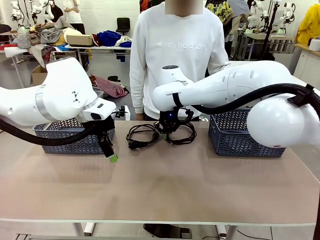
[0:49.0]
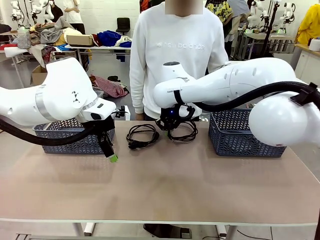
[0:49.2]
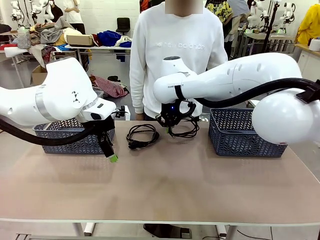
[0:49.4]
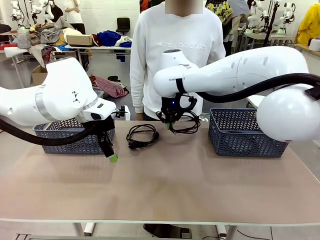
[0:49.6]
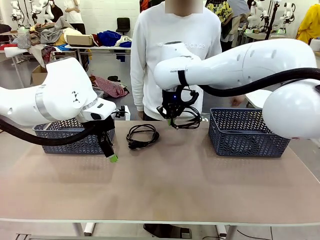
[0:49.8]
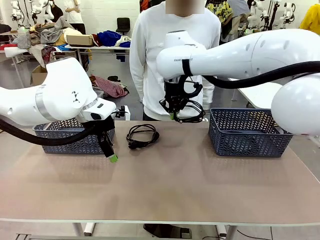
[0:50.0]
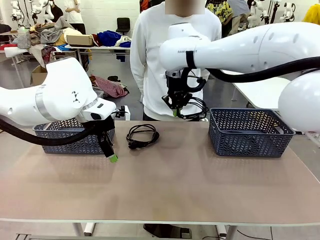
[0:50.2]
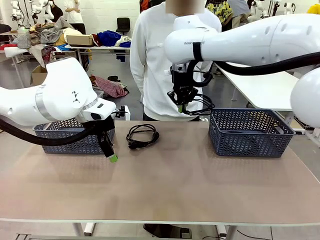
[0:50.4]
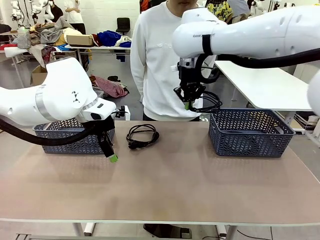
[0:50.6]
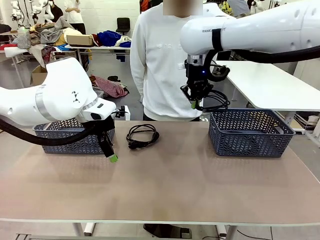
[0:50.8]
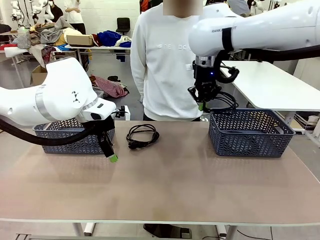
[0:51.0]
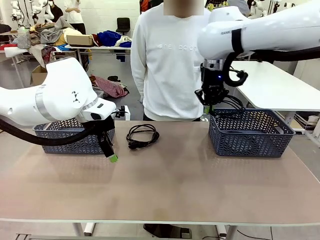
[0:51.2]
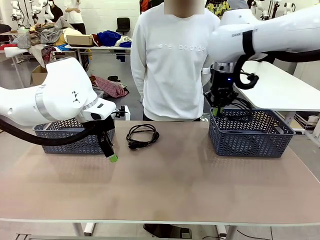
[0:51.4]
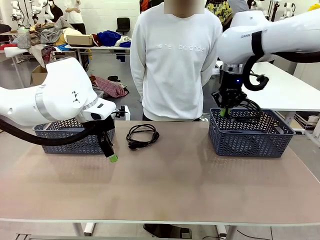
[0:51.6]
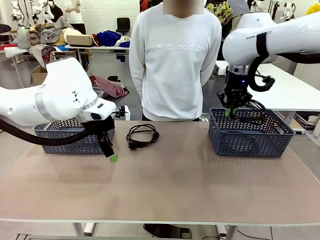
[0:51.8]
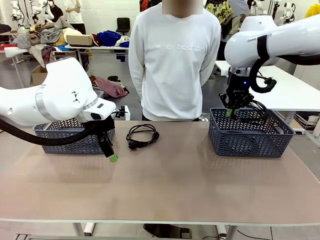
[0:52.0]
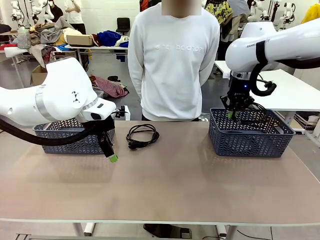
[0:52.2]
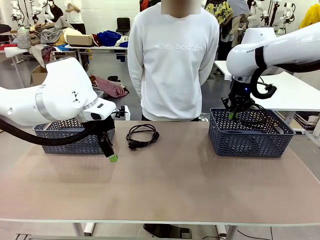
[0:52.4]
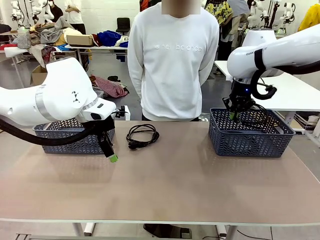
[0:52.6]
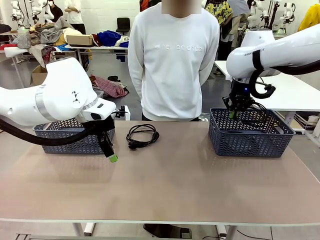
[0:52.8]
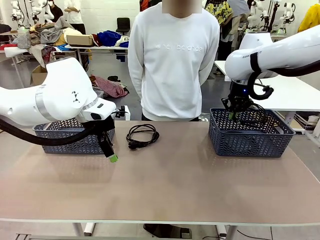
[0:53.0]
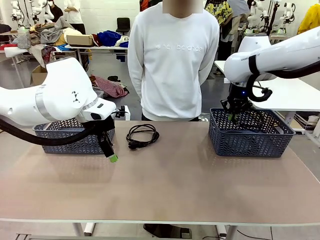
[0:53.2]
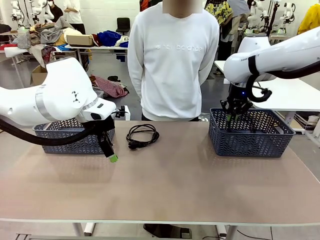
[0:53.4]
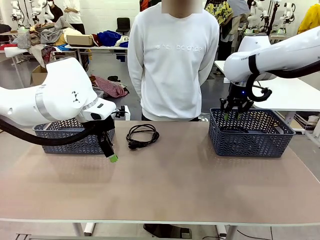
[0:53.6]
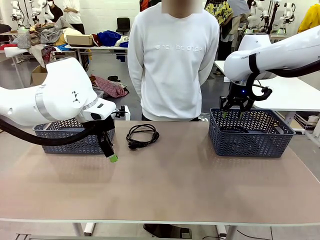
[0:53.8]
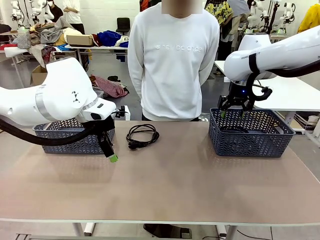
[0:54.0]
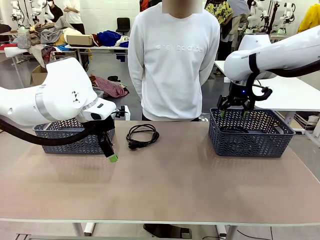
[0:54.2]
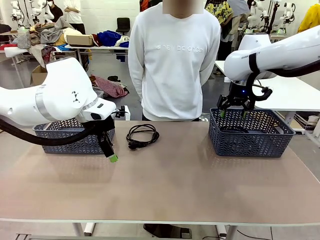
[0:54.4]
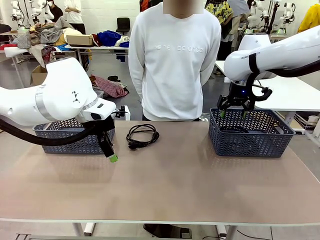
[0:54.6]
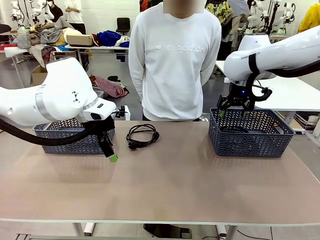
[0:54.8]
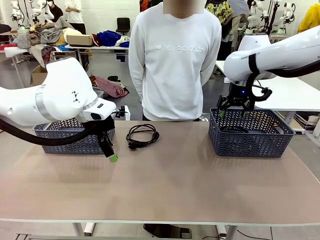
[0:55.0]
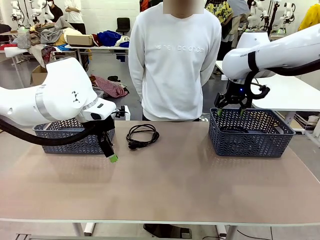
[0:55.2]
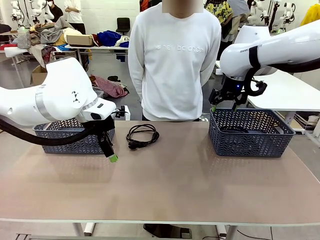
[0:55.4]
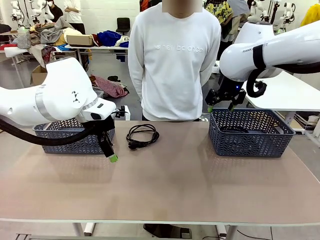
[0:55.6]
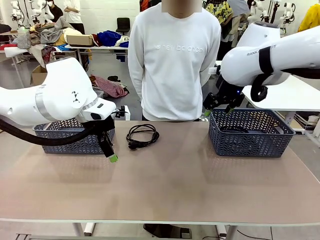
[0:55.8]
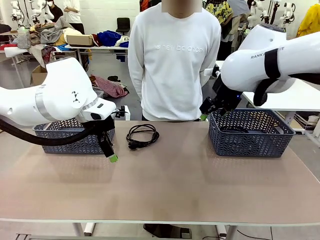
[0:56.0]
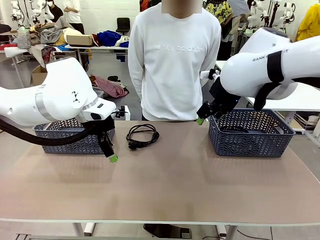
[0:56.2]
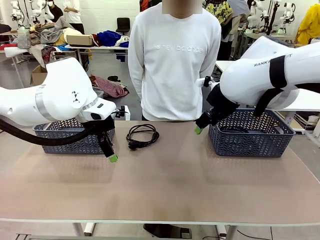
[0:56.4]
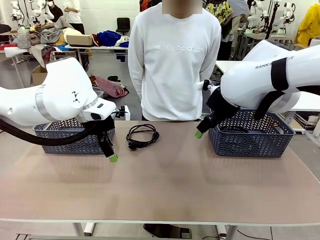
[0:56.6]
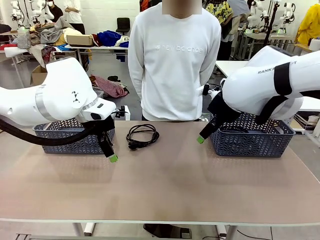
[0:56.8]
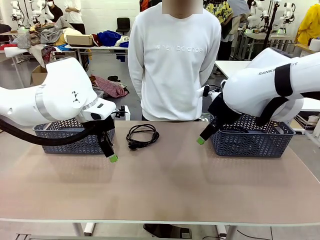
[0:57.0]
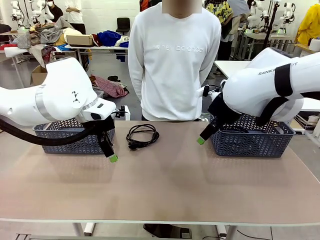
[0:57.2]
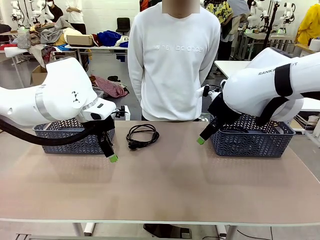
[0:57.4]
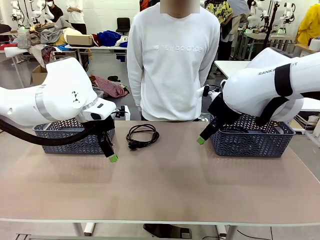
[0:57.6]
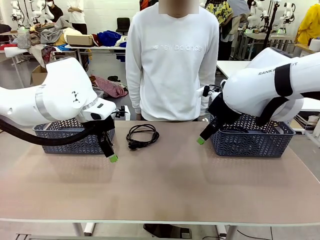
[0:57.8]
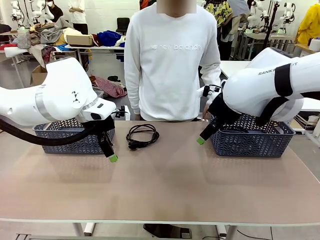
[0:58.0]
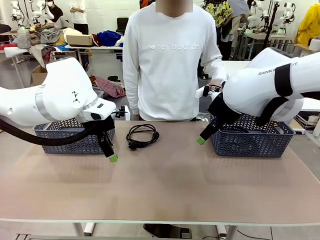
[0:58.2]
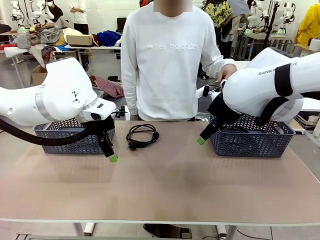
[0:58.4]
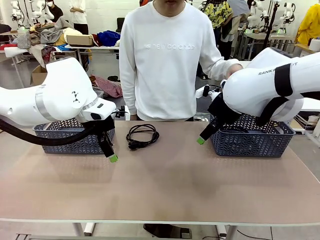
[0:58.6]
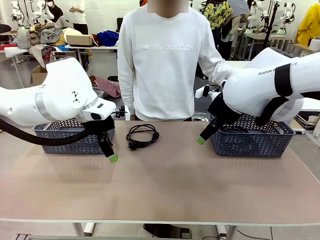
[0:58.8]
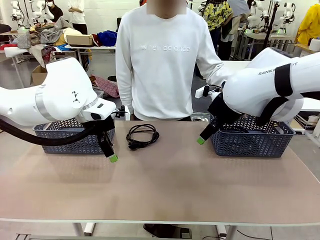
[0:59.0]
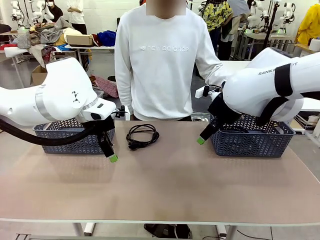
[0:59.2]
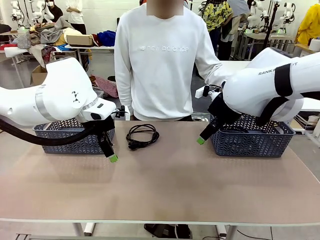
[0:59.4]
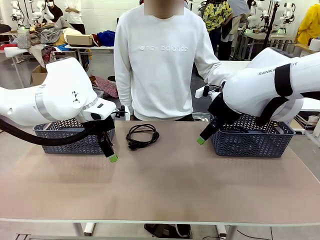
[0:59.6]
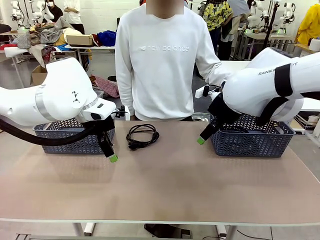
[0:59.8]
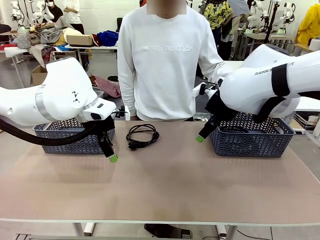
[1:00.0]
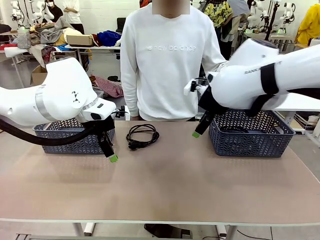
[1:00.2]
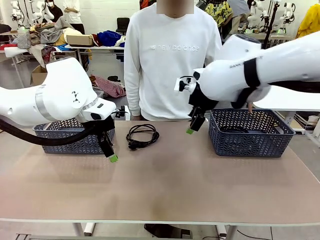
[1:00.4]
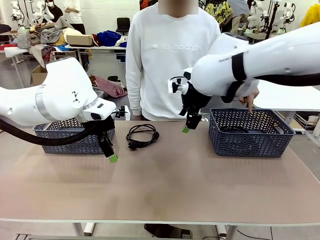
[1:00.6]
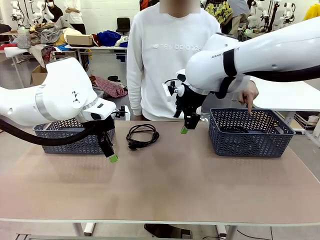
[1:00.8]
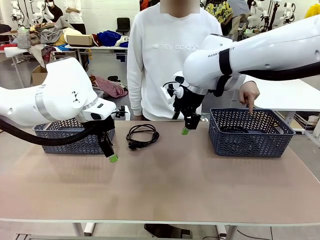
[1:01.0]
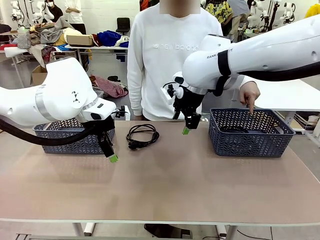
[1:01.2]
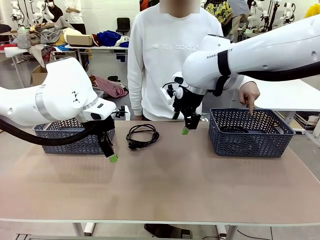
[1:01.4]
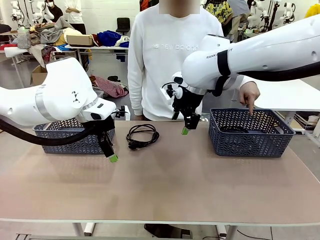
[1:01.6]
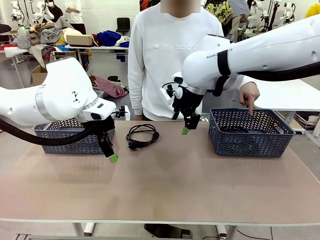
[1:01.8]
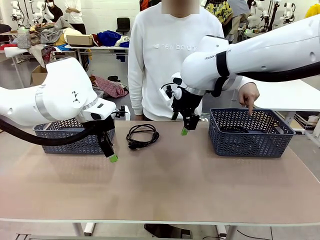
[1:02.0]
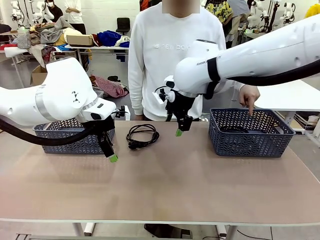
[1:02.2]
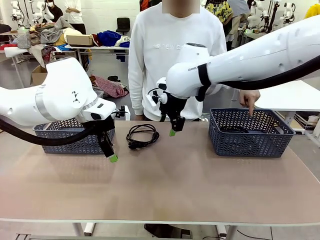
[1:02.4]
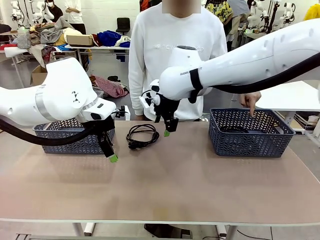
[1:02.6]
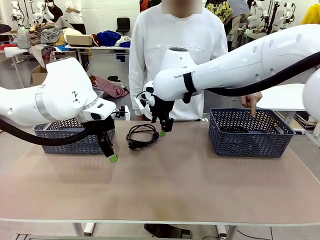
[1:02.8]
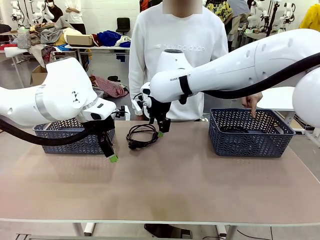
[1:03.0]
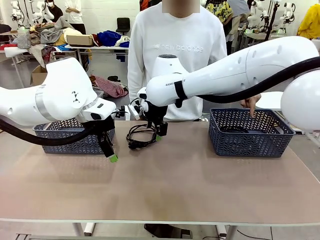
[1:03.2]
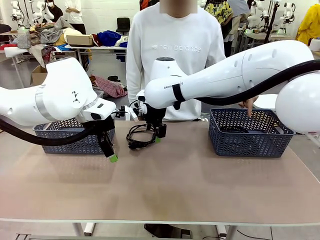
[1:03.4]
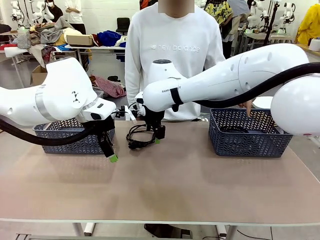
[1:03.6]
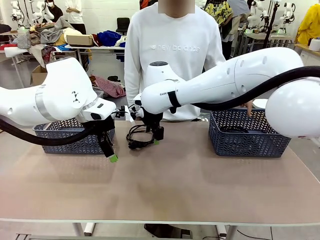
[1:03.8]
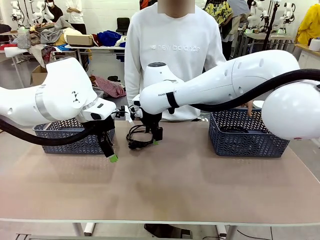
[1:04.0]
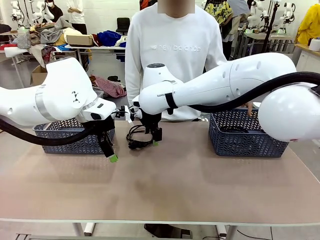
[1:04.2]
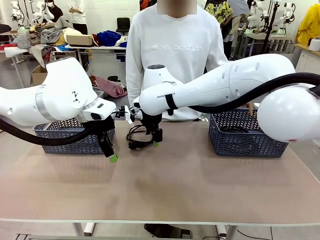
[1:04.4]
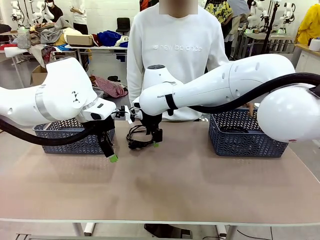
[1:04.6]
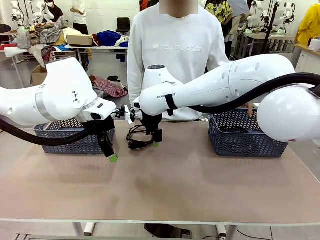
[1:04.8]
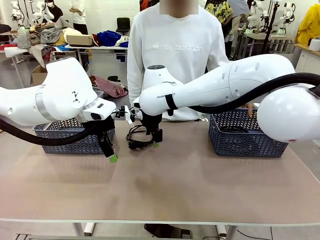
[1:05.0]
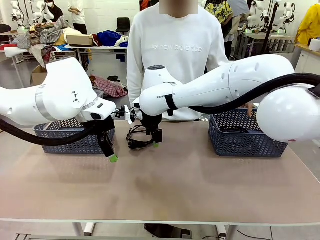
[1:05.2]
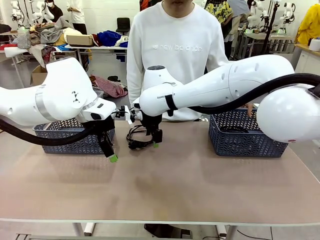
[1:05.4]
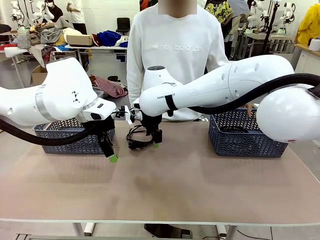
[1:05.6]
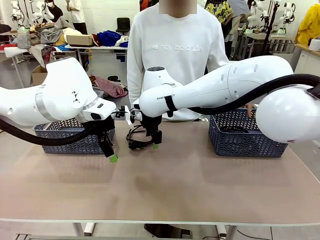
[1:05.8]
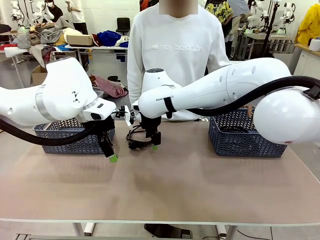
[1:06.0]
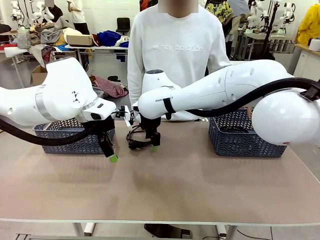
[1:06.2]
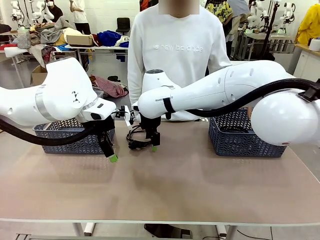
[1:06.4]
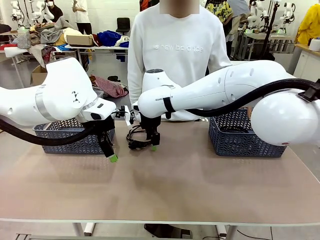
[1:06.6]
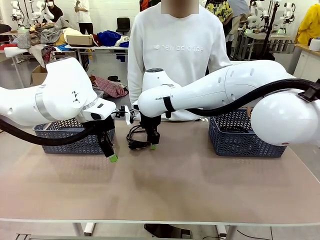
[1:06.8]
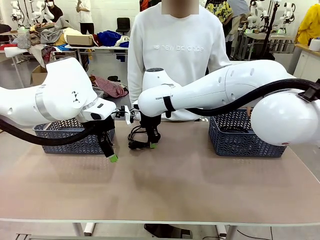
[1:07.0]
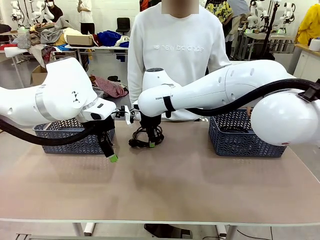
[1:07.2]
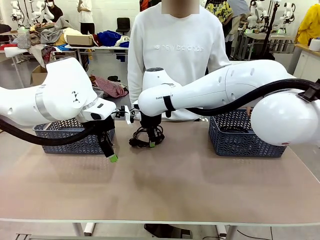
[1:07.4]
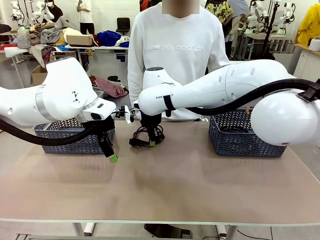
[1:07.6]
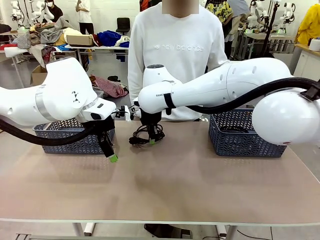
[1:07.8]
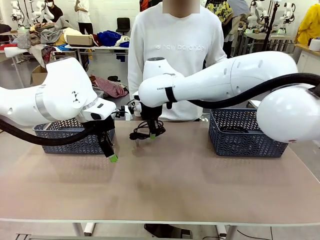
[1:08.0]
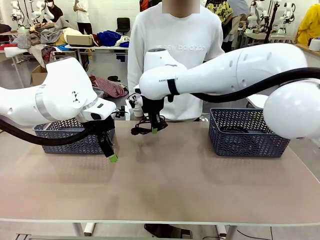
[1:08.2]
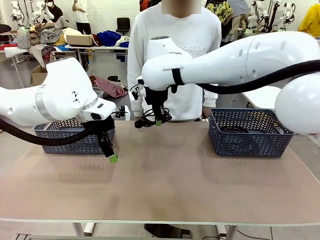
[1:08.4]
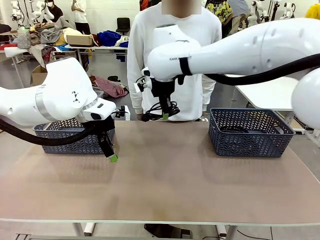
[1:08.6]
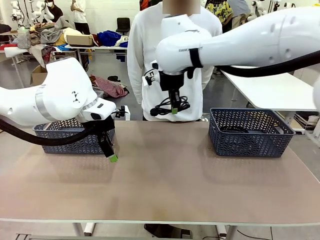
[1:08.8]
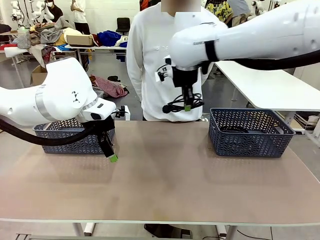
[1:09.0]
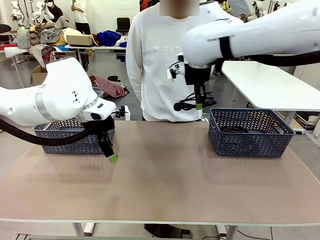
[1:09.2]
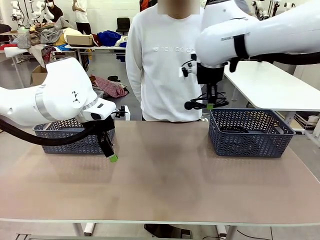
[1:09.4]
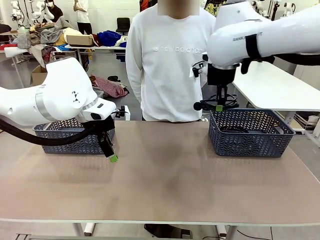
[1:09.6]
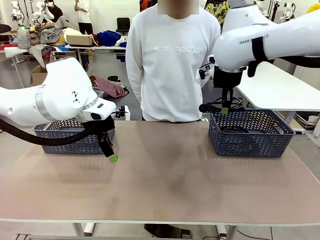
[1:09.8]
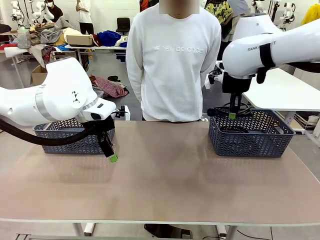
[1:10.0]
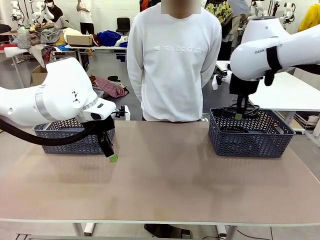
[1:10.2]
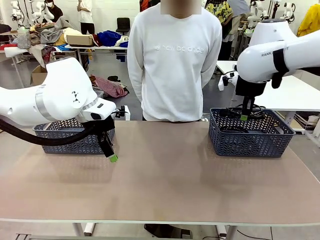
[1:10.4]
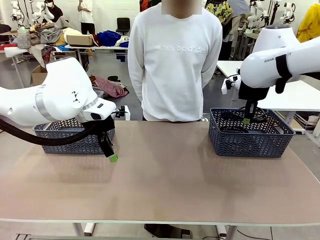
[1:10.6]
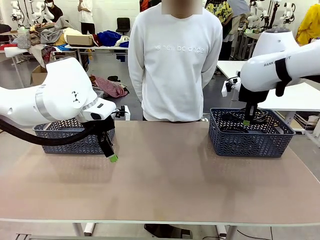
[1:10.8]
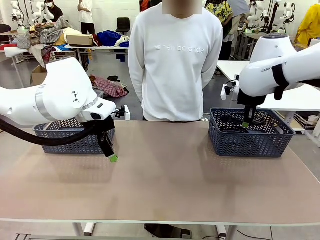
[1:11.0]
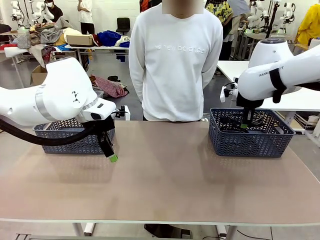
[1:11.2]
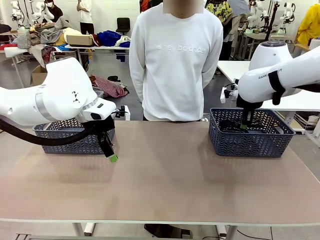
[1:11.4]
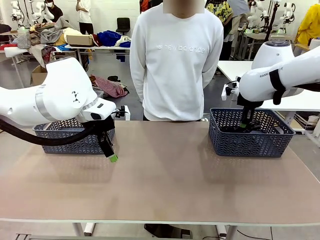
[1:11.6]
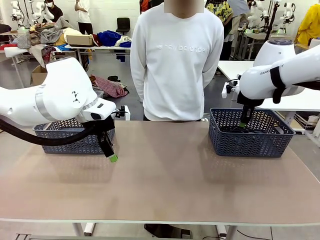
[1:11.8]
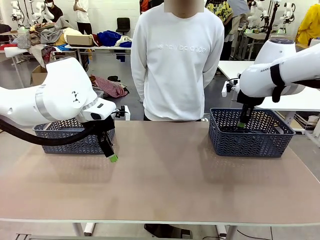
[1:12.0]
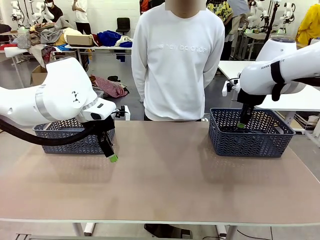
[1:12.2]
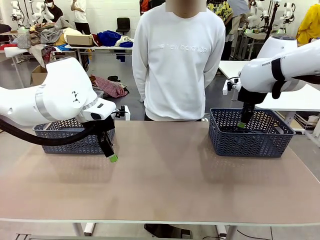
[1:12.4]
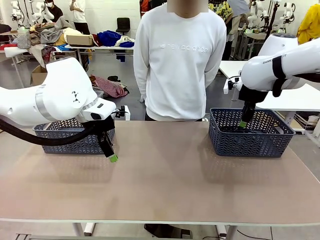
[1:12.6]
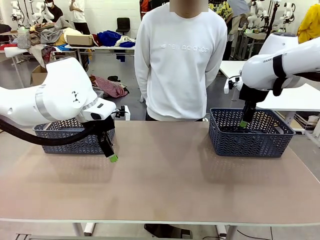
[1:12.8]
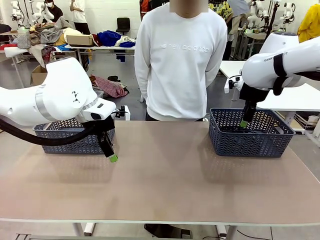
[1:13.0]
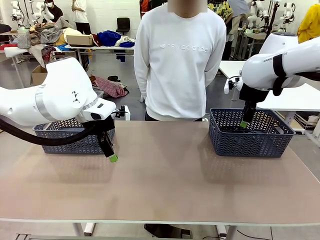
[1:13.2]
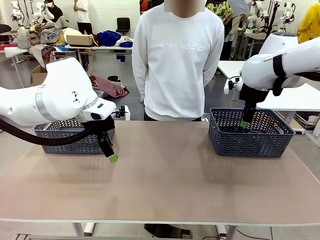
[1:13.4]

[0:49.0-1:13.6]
Task: Organize the cables according to human instructions.
Robot: Pick up a bundle of cables and place it in the basket indicated by the human.
